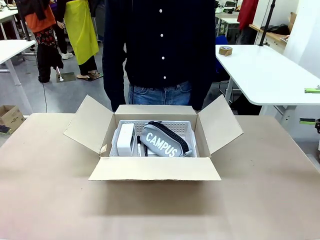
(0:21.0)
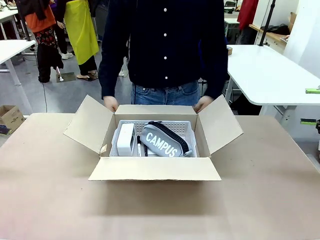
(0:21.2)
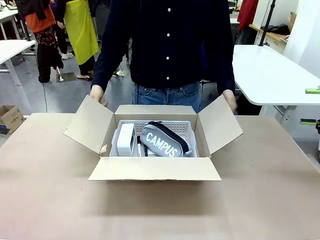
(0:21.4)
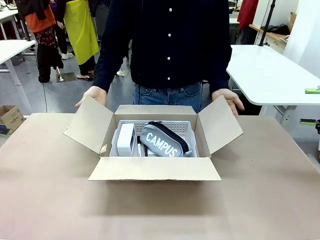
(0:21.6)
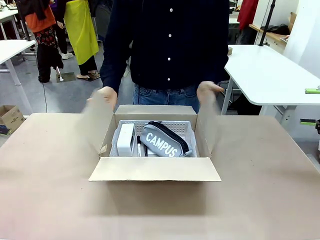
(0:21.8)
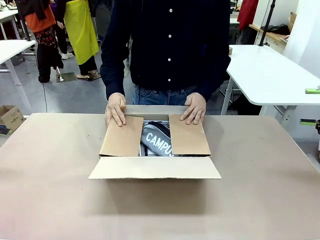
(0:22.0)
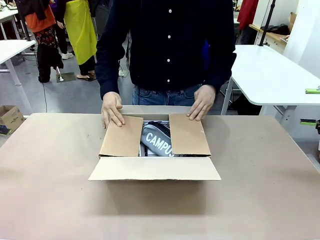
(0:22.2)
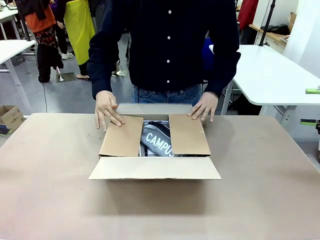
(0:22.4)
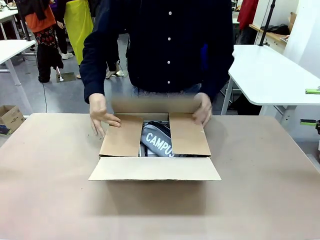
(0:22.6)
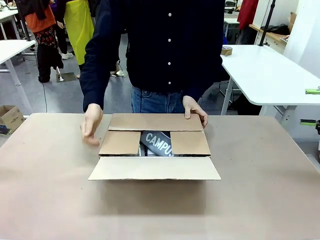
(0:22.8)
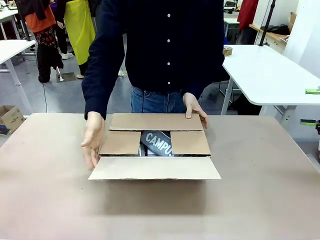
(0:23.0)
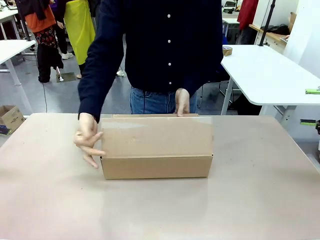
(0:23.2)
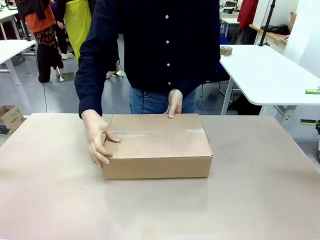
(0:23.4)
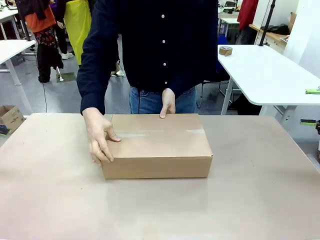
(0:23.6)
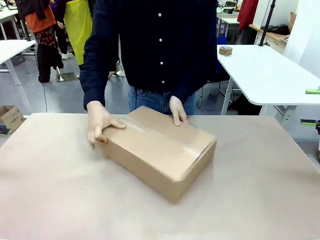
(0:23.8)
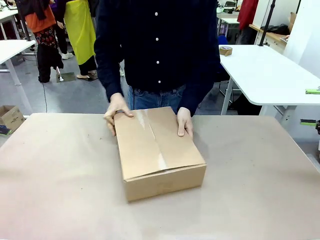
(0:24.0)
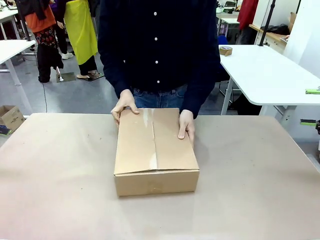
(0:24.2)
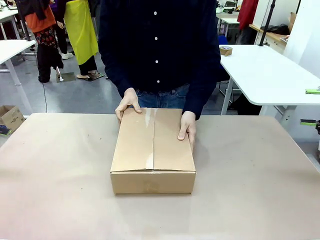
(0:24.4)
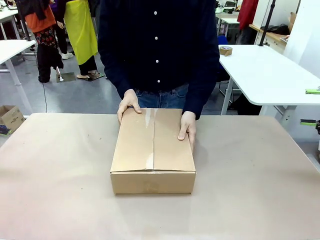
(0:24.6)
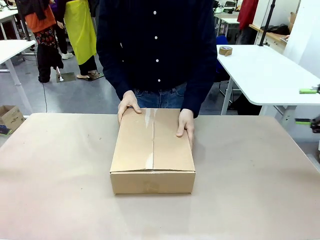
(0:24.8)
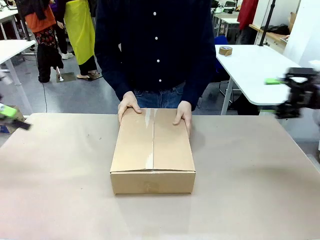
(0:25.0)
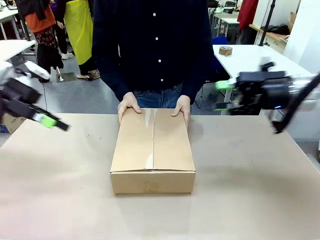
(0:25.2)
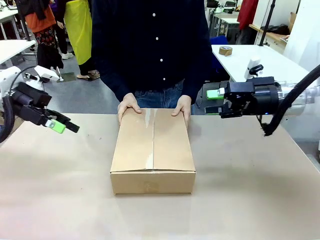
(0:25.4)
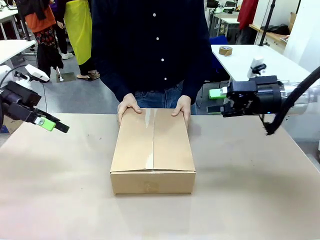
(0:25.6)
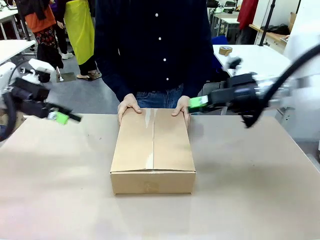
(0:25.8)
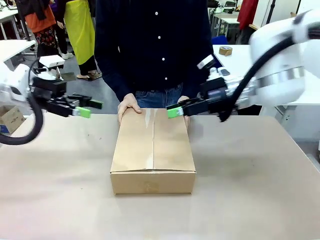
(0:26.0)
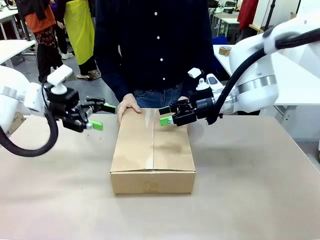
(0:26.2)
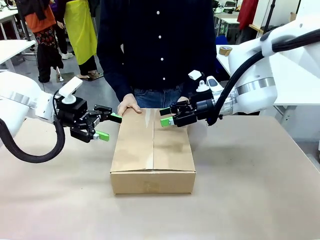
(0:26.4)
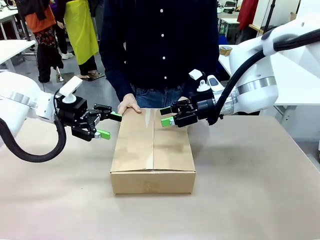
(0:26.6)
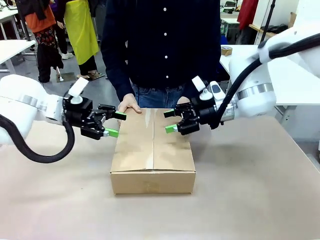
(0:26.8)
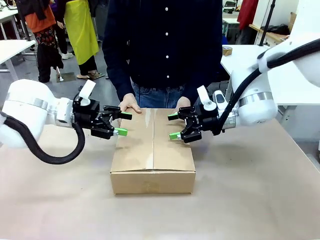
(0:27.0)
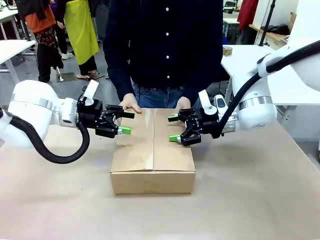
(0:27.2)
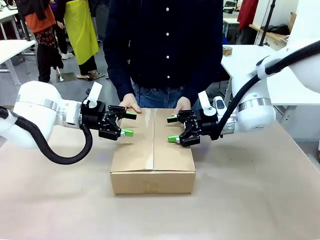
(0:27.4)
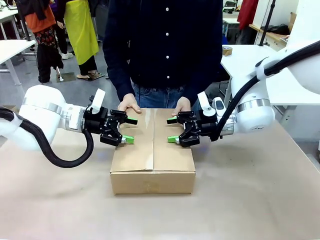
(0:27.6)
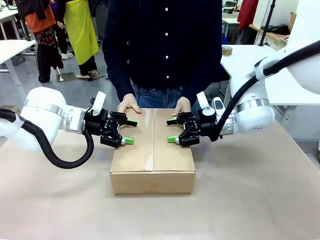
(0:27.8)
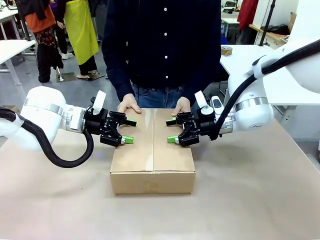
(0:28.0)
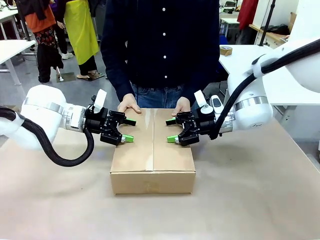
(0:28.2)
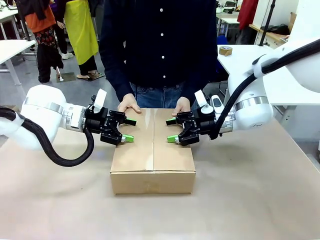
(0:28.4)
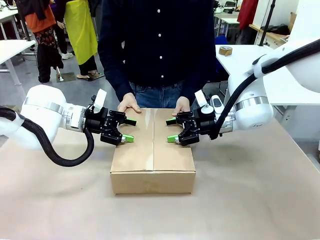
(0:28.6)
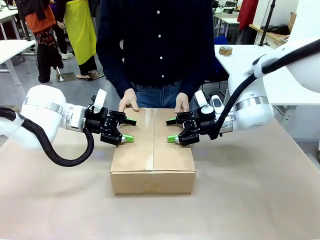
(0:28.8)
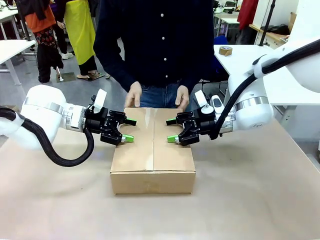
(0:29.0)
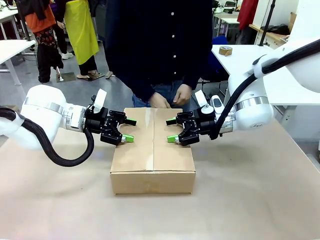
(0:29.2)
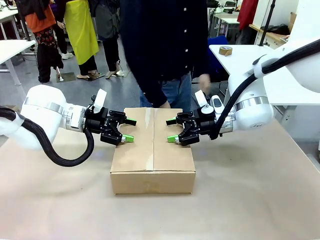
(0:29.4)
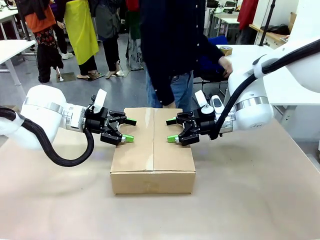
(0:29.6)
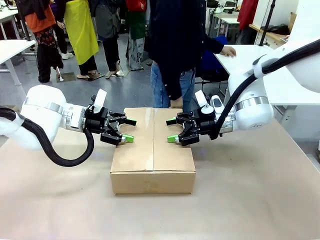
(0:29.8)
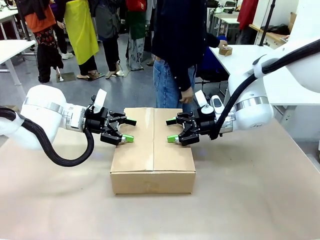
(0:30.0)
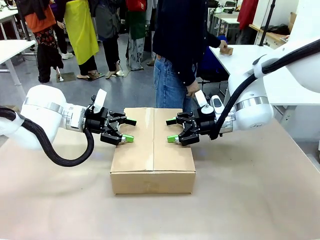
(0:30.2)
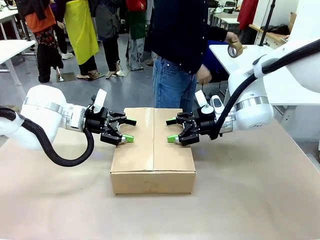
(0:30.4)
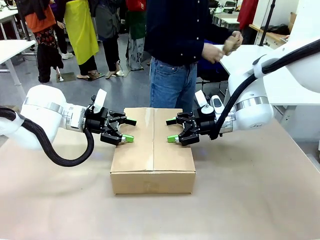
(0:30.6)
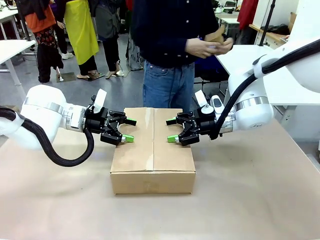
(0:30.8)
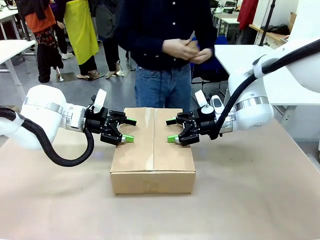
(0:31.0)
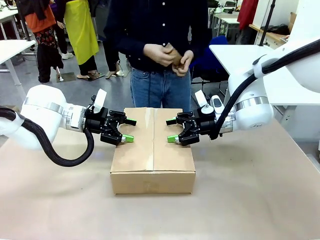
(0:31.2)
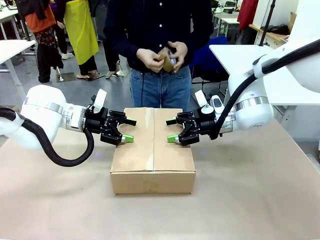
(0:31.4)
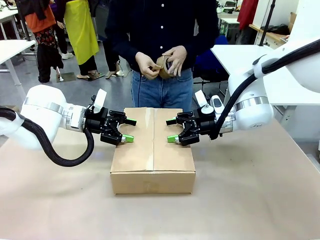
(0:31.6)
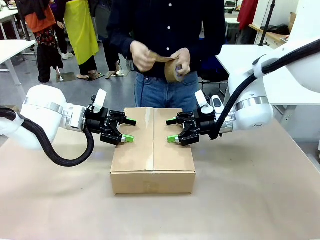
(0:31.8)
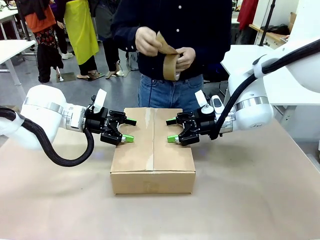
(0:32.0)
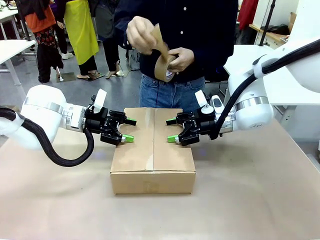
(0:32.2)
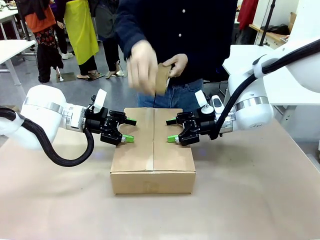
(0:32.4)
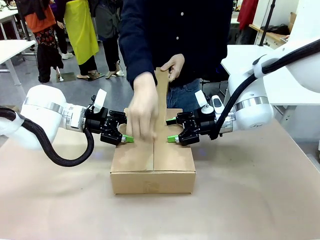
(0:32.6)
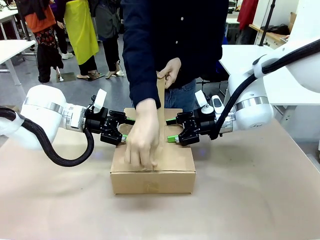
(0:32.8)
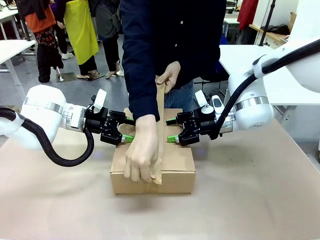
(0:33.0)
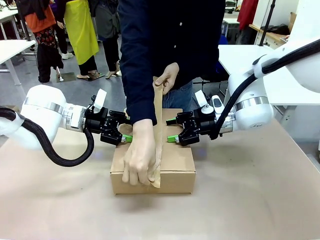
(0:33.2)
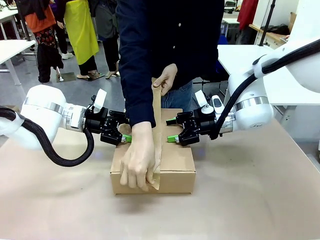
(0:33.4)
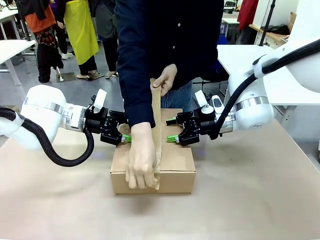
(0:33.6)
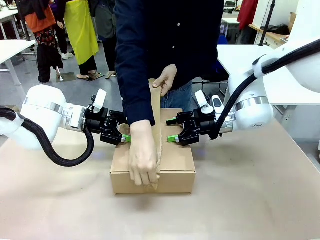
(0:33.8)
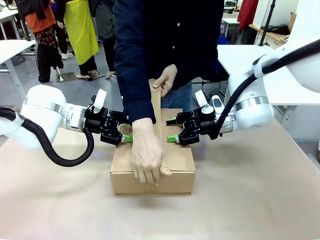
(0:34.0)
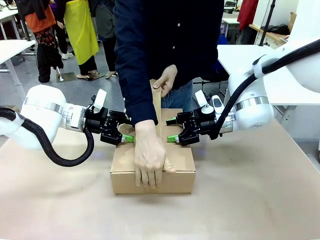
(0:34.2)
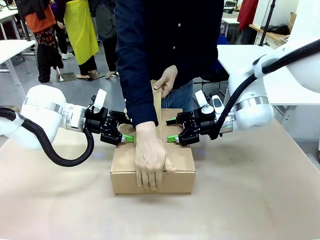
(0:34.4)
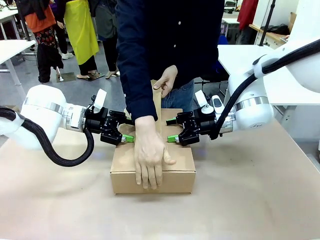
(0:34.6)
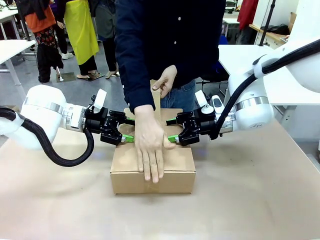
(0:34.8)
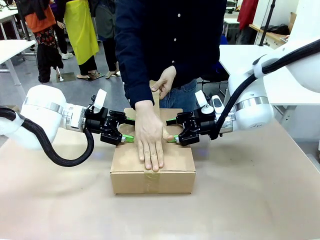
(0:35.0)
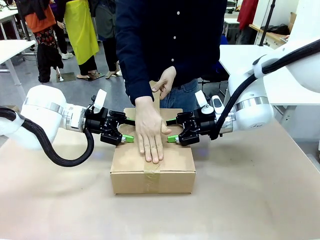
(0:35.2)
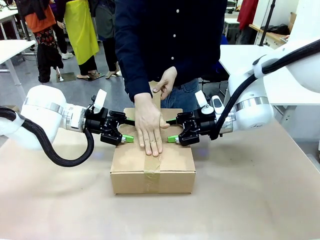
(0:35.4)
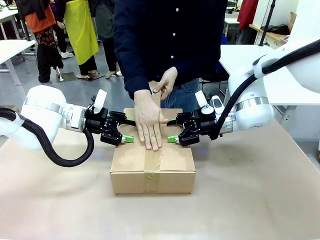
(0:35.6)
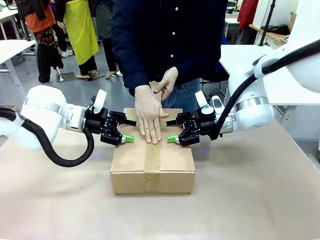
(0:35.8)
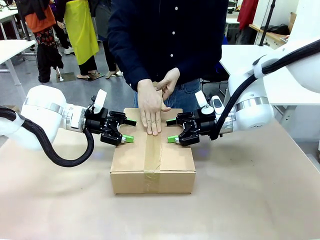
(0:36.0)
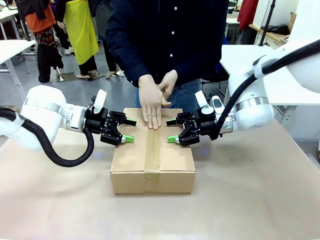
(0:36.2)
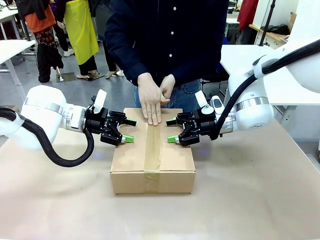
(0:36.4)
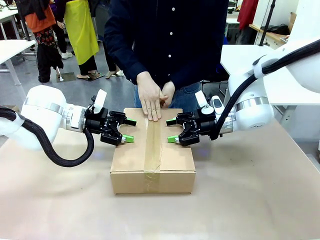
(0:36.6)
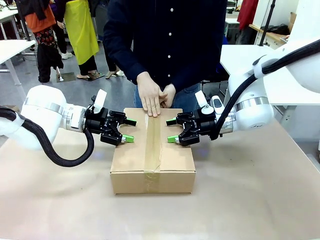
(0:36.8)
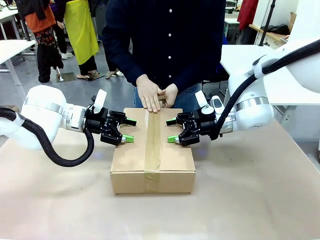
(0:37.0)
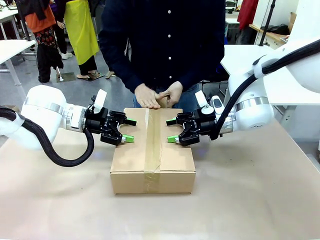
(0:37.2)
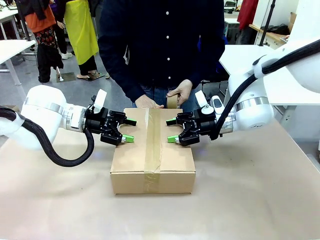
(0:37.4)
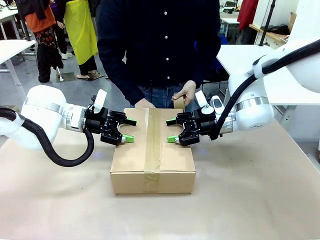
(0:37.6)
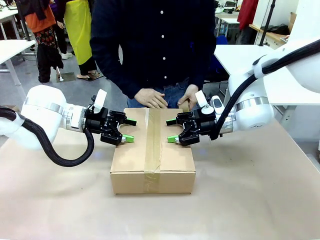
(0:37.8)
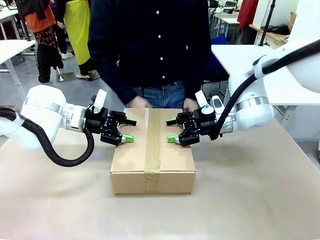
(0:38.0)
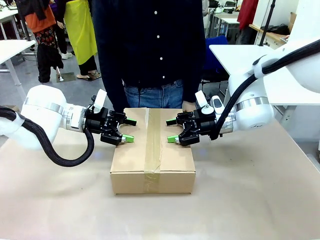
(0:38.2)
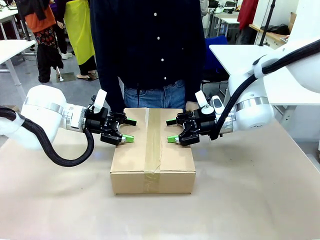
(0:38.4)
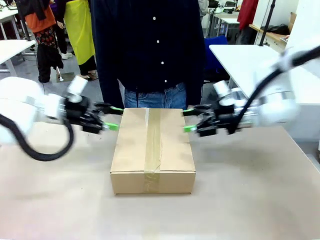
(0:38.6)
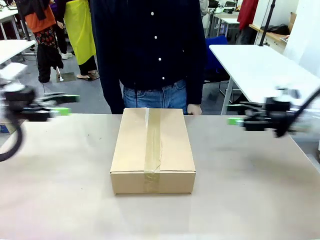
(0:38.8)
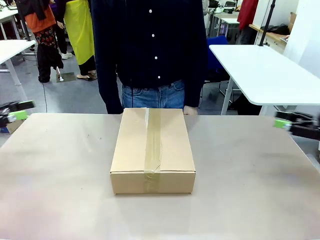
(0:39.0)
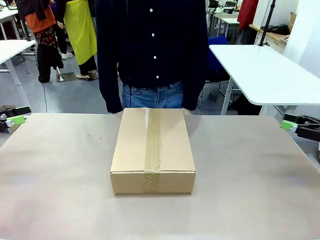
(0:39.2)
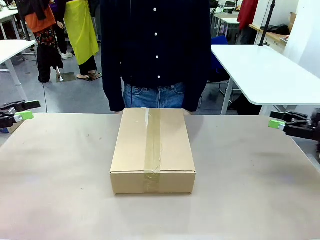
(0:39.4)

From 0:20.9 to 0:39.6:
Task: Pack the gift set into the box.
Robot: Press and hold the closed box until the human finishes sealing it.
Person: The human closes the box and rotates the box by 90 degrees. The human picks up the paper tape from the human table and packs the box.
